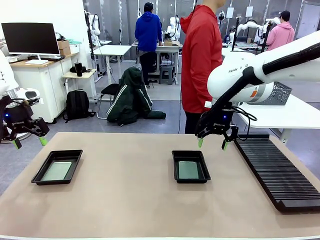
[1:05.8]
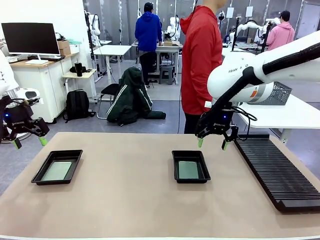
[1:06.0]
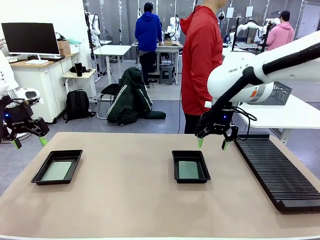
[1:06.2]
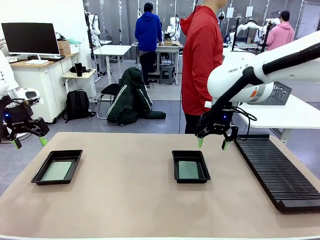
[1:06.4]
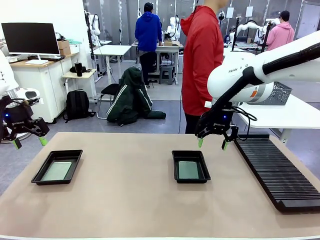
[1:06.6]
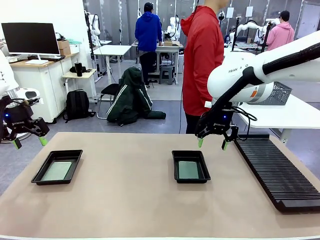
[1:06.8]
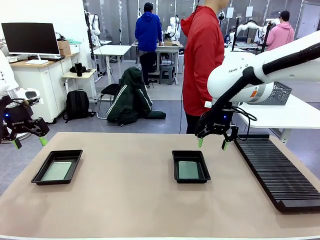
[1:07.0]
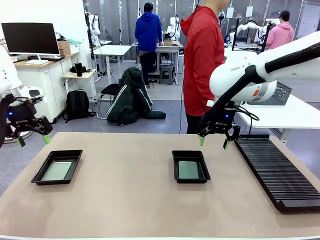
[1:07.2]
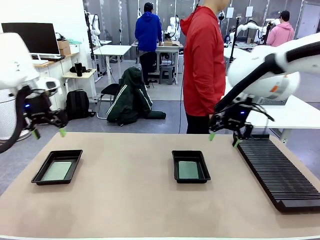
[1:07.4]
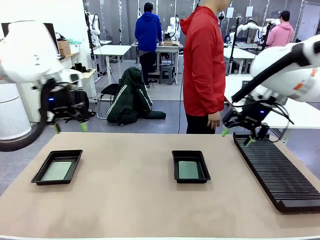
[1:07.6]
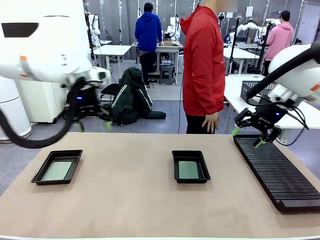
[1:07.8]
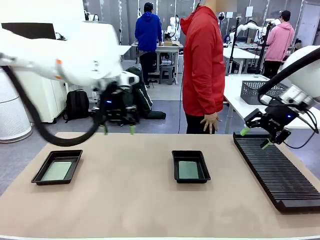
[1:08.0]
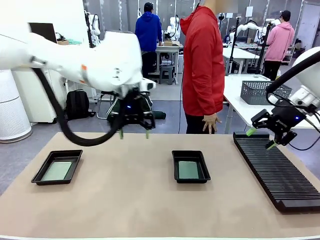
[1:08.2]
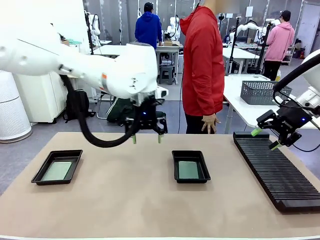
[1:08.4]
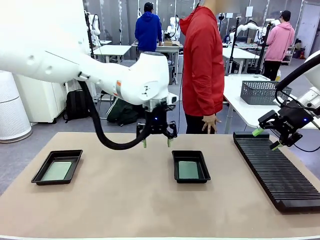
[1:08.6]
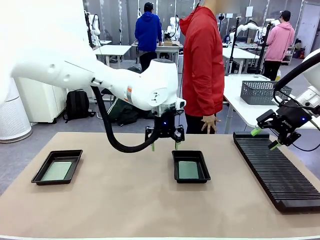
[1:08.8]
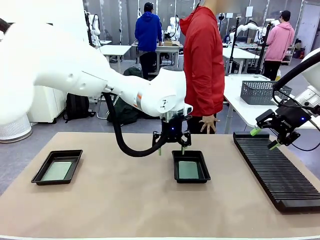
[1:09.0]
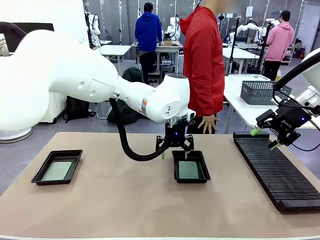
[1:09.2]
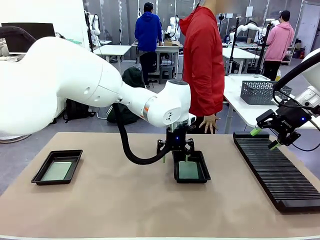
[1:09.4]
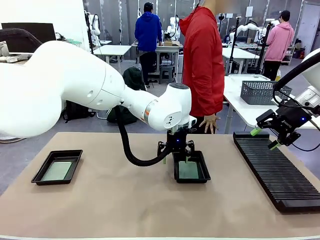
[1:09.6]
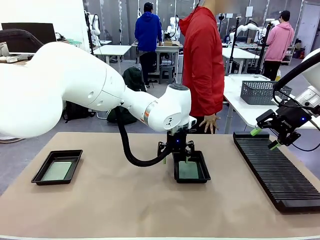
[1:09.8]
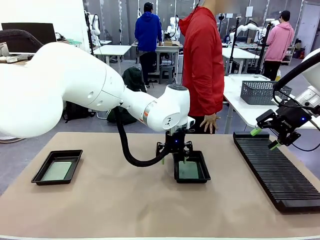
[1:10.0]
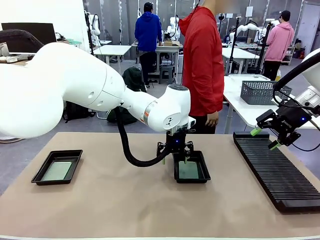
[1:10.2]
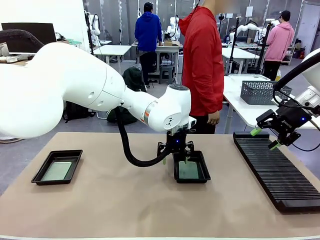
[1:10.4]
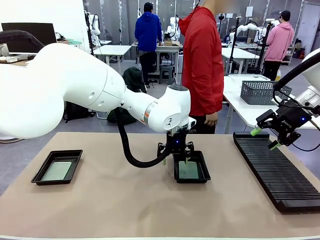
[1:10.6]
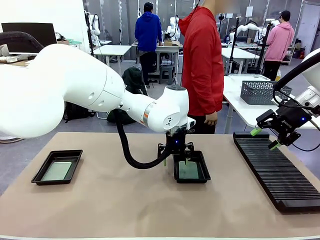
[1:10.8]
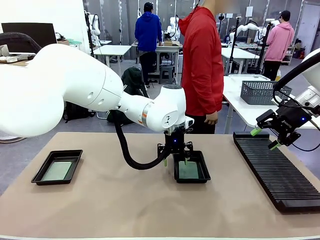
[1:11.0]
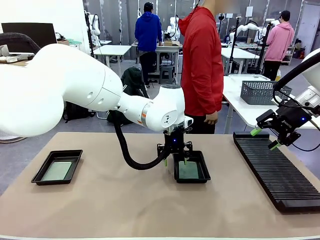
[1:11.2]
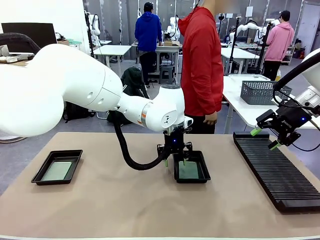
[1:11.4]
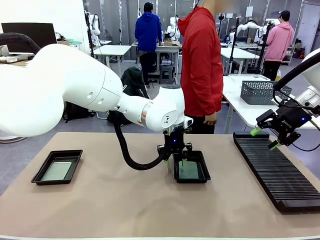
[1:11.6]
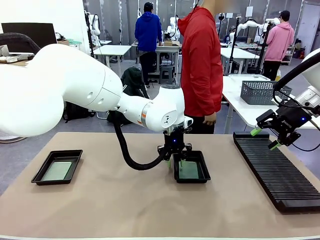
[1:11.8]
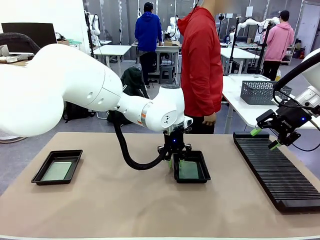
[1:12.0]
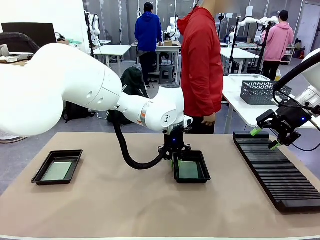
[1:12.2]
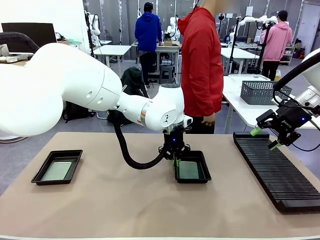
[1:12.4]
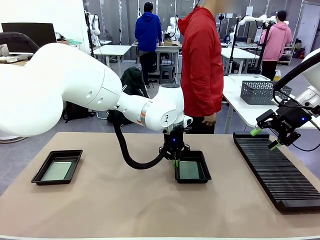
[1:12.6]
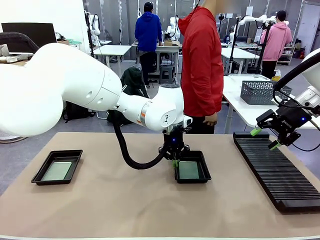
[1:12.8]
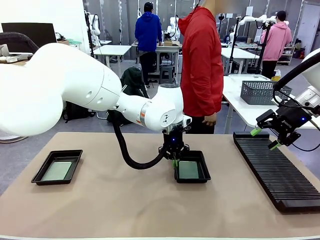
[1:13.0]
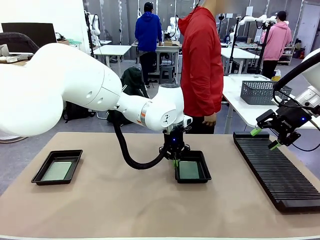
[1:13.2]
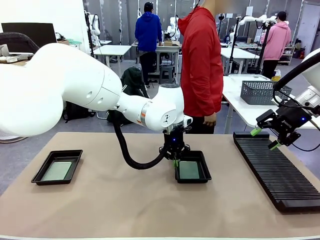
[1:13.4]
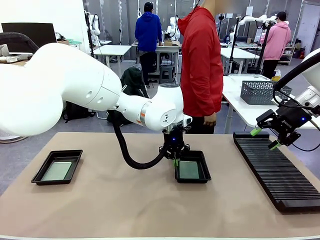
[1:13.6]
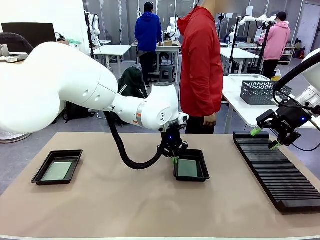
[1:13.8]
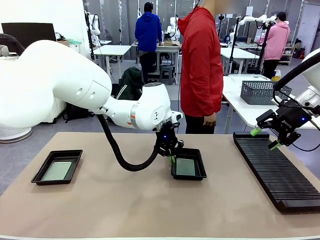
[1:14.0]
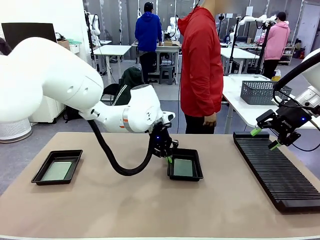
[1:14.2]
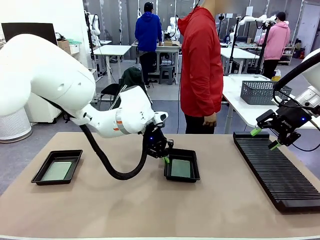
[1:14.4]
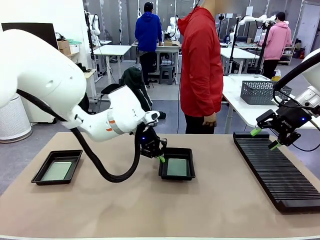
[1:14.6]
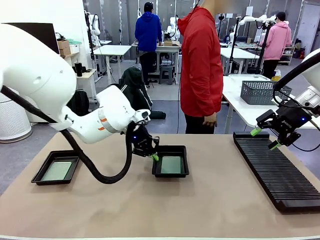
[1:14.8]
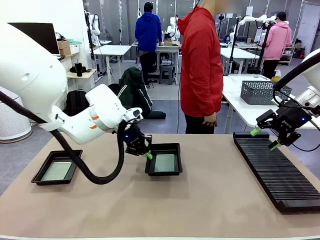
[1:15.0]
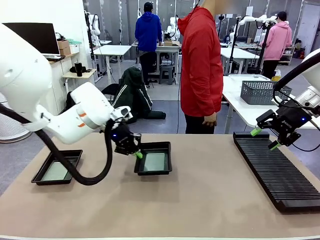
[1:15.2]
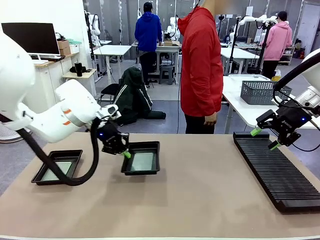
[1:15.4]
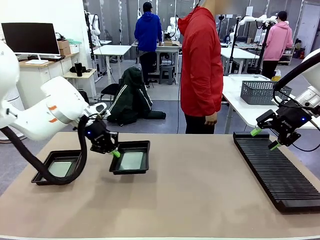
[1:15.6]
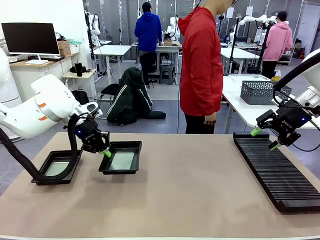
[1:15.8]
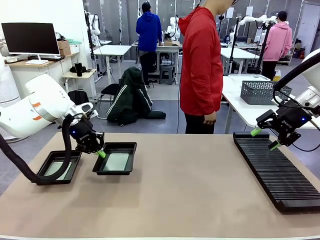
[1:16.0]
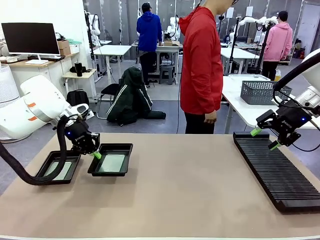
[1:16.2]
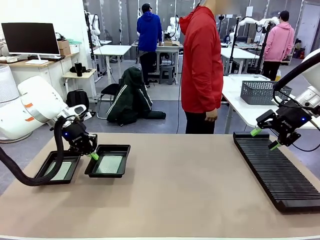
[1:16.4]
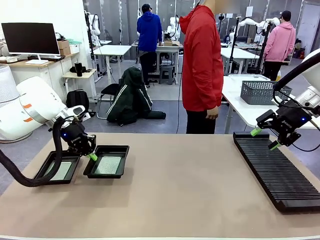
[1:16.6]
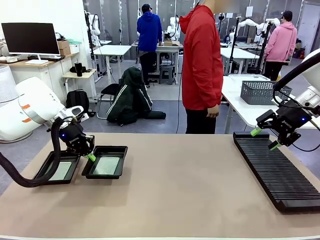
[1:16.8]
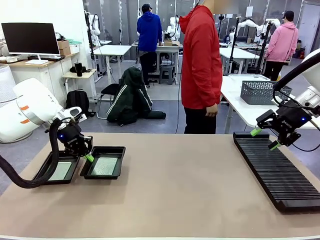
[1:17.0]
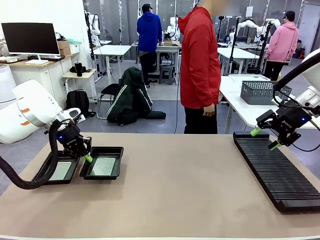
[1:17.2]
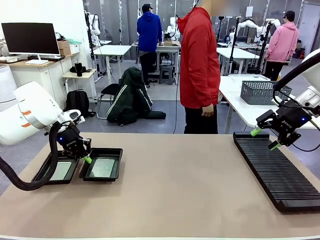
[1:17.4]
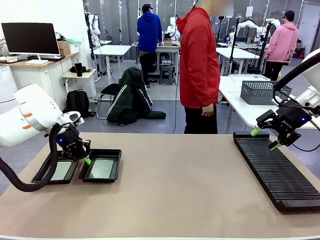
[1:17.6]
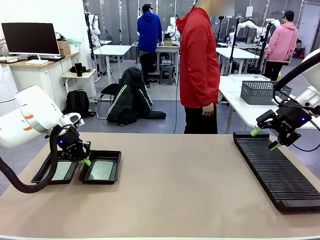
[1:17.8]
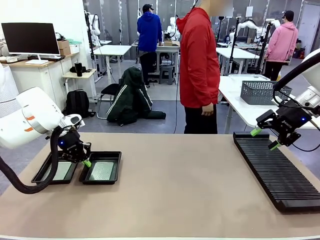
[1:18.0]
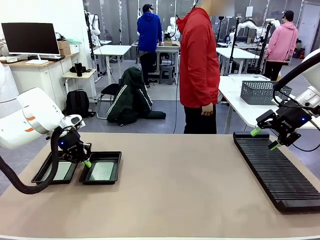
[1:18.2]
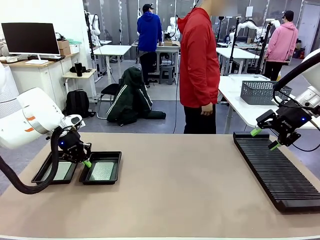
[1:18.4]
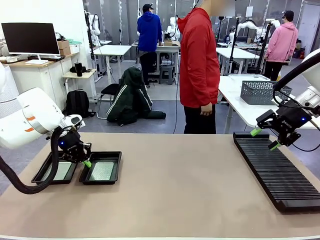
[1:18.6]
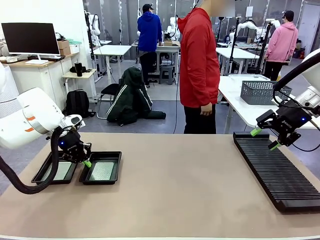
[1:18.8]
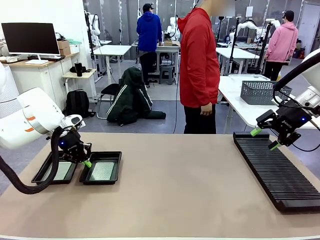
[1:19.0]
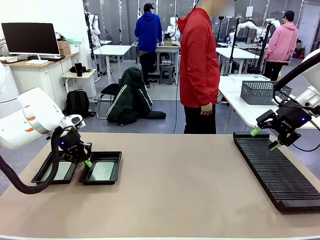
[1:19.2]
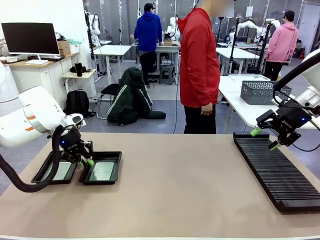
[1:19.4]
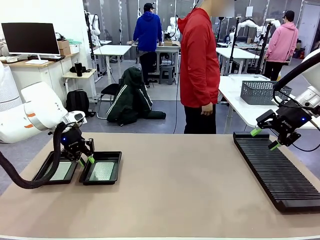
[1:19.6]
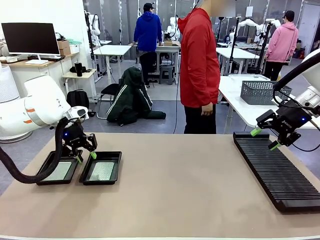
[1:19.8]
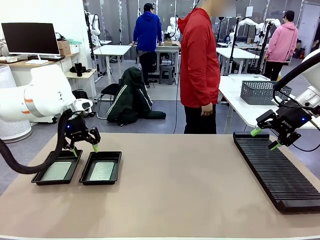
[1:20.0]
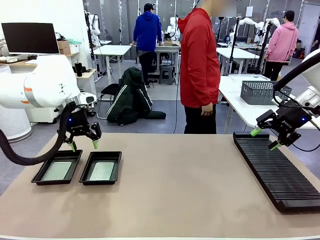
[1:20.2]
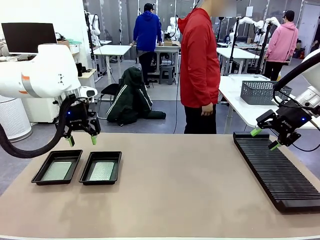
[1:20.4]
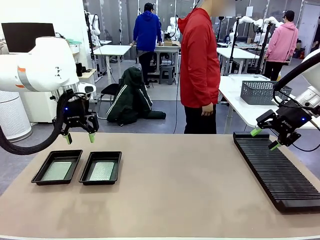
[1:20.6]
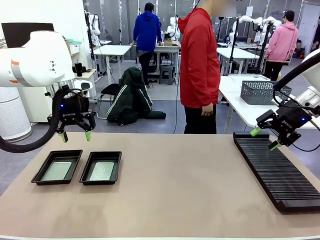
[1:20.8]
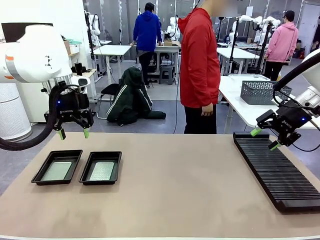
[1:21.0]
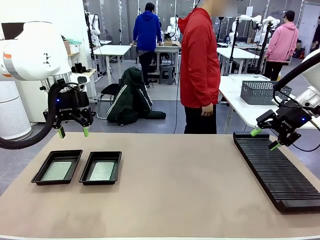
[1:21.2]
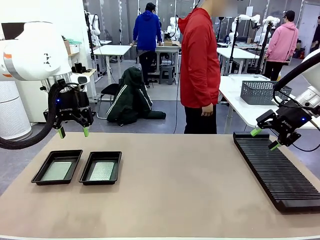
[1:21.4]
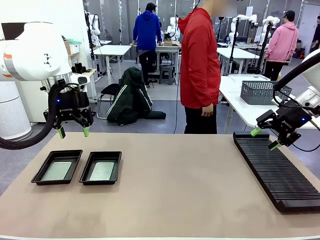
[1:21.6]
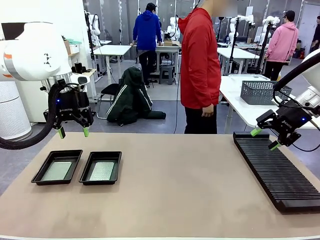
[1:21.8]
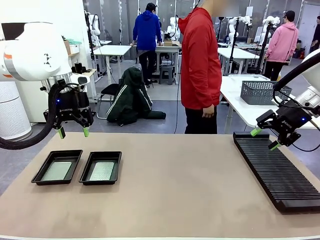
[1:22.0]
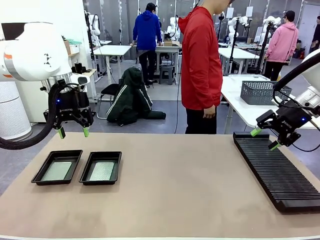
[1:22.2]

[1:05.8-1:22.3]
Task: Inspect and transfer BCBs to ESD trays.
Robot: Pick up the ESD tray and place it on the left side of the table.

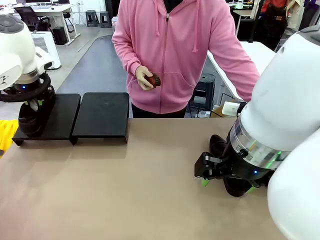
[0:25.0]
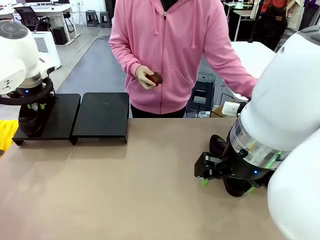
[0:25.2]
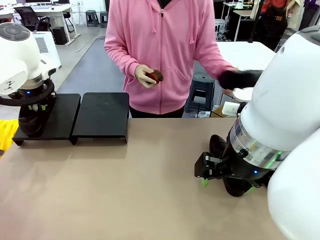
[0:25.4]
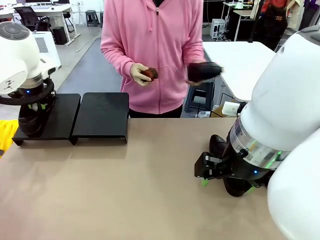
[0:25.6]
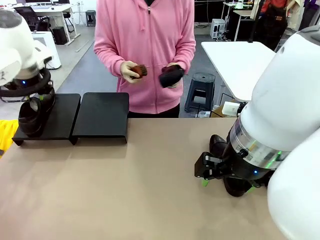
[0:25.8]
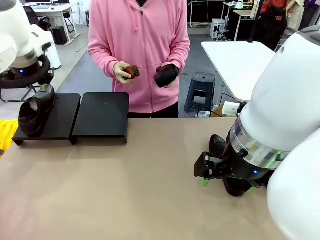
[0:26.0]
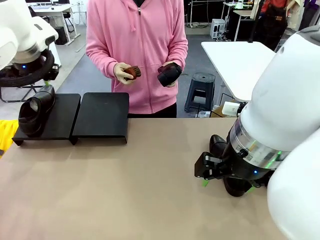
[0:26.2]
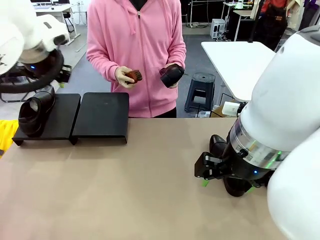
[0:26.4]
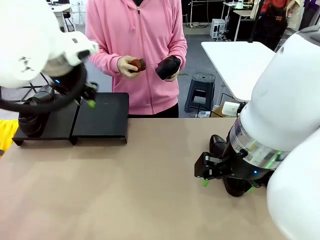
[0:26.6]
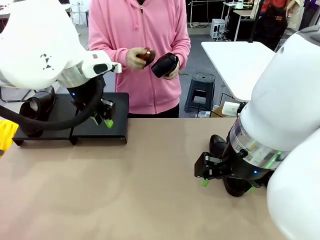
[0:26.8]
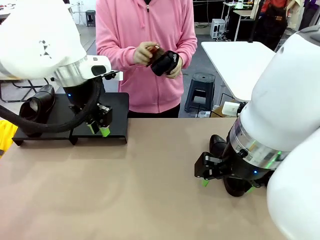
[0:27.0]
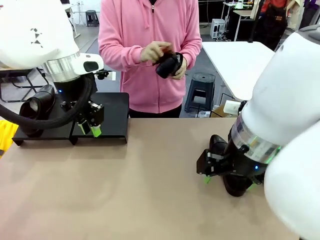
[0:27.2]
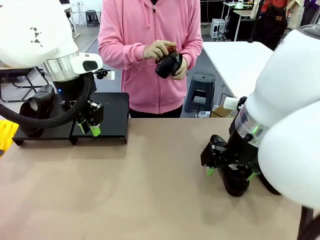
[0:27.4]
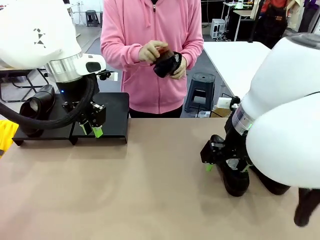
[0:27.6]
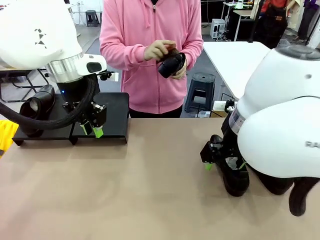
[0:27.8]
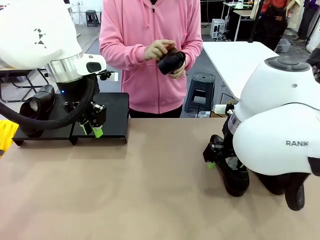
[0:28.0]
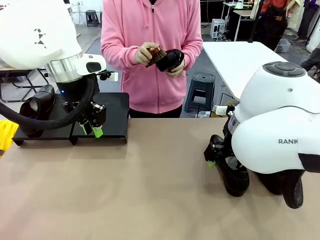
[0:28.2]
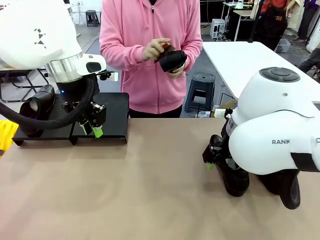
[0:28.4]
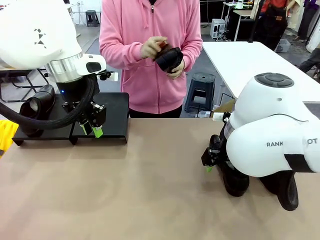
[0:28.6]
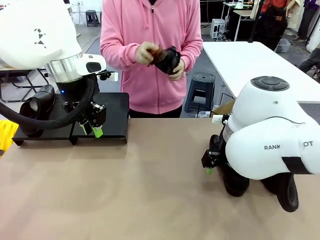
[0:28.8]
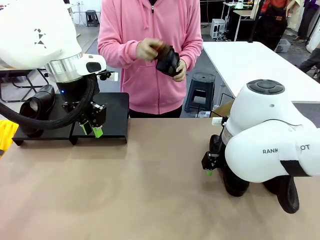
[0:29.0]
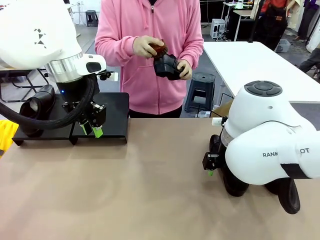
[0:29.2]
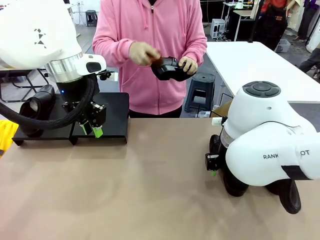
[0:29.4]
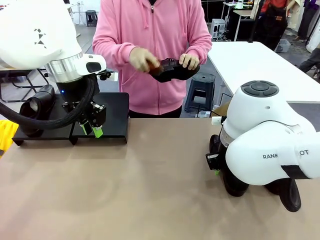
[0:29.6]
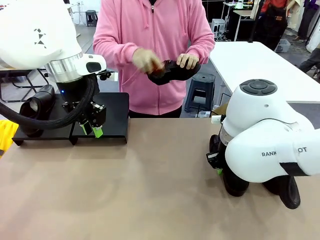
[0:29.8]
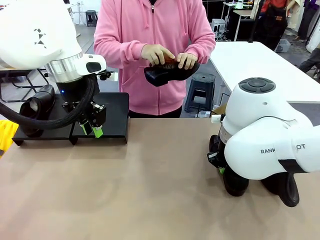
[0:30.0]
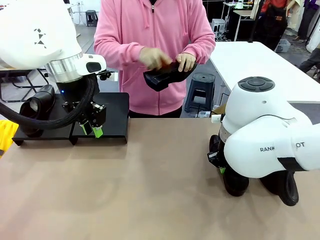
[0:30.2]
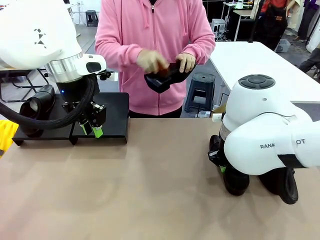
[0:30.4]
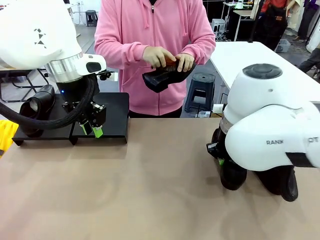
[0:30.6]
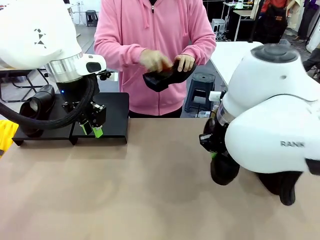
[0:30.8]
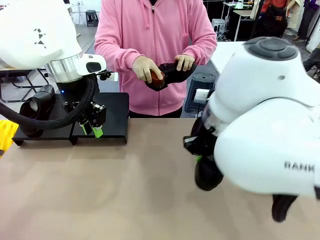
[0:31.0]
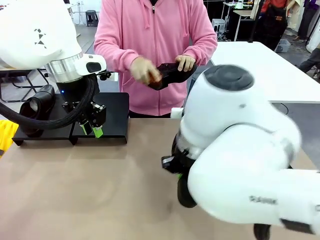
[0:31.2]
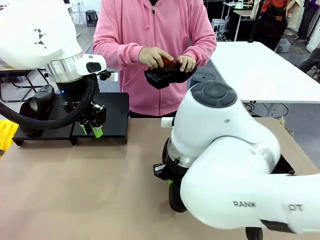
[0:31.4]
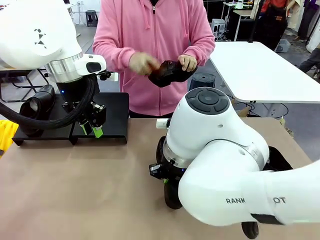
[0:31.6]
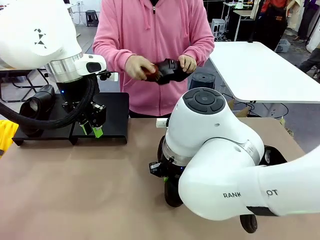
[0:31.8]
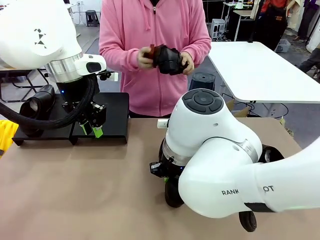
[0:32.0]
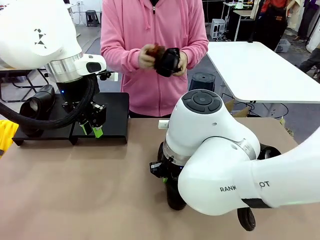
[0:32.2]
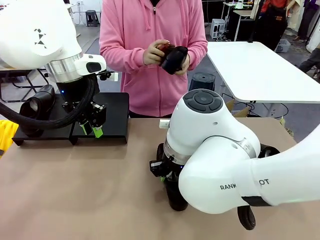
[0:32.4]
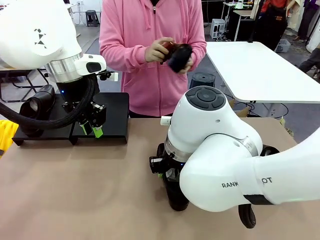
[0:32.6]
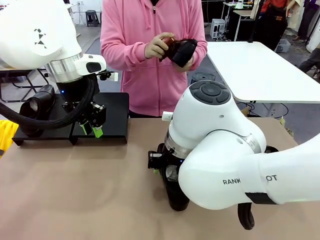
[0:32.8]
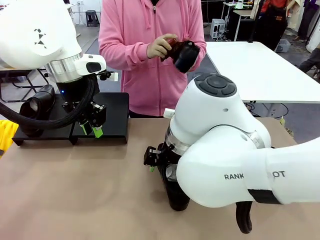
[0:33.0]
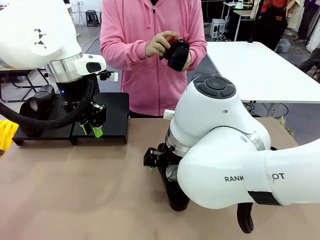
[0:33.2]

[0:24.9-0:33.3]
Task: Organize the shoes by placing them on the stand.
Robot: Pick up one Shoe and place it in the middle of the table.
